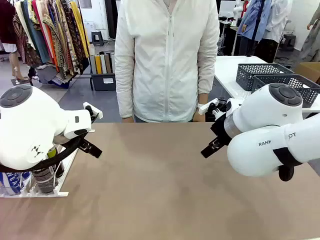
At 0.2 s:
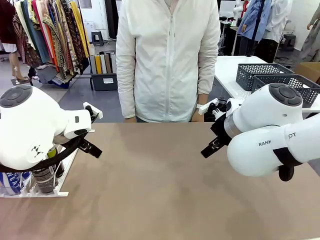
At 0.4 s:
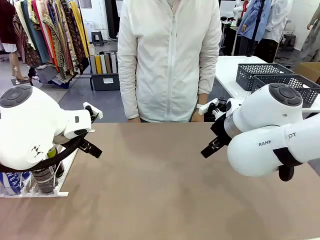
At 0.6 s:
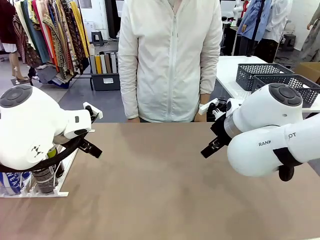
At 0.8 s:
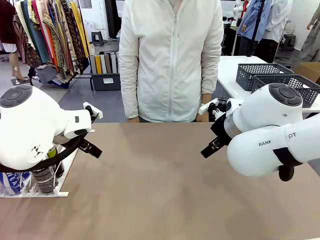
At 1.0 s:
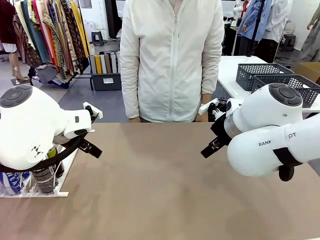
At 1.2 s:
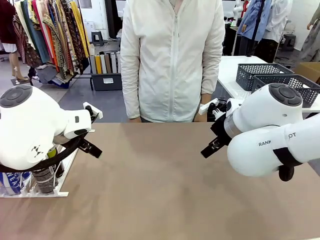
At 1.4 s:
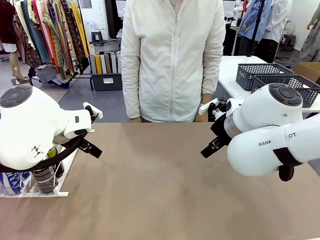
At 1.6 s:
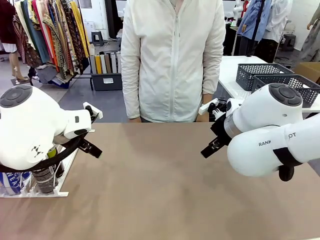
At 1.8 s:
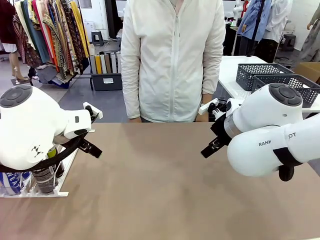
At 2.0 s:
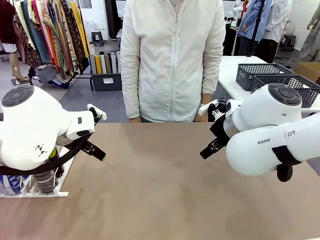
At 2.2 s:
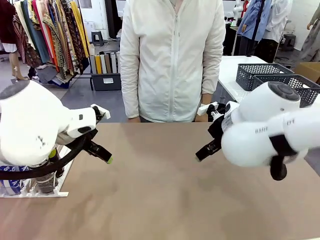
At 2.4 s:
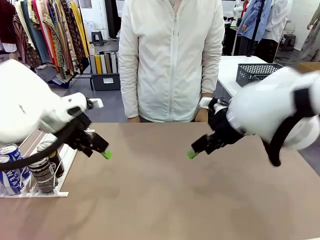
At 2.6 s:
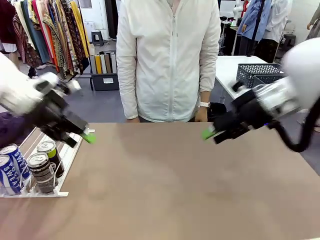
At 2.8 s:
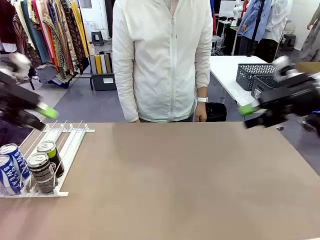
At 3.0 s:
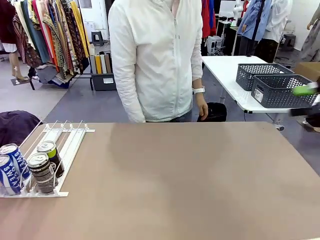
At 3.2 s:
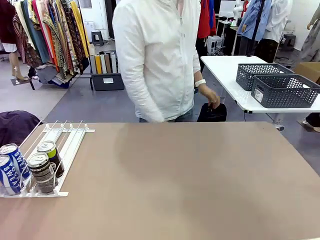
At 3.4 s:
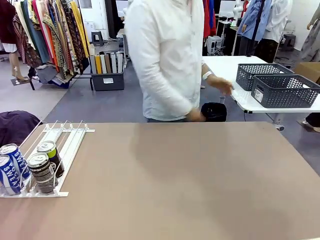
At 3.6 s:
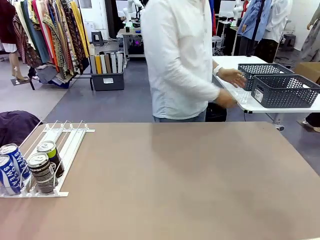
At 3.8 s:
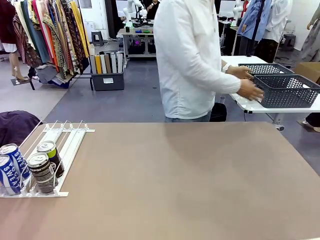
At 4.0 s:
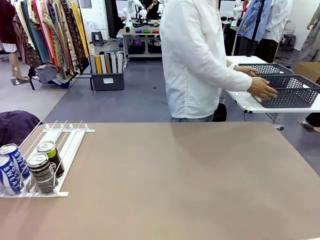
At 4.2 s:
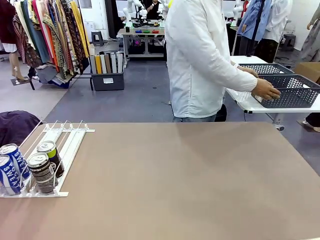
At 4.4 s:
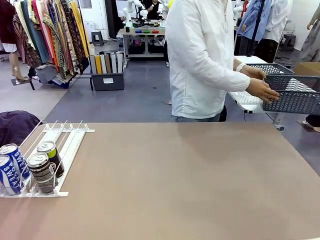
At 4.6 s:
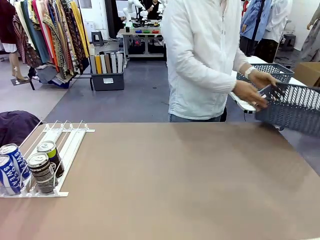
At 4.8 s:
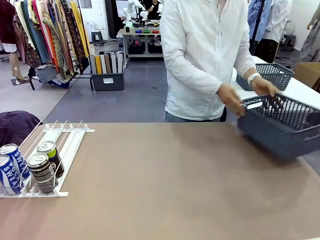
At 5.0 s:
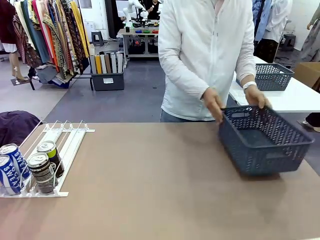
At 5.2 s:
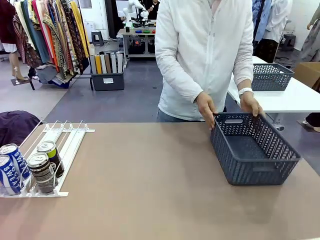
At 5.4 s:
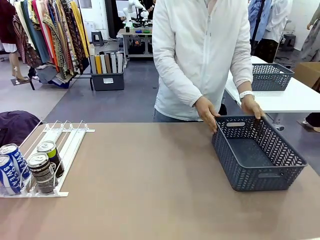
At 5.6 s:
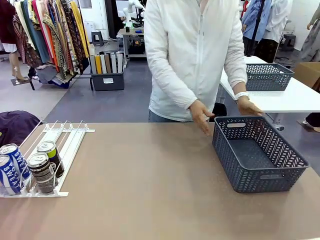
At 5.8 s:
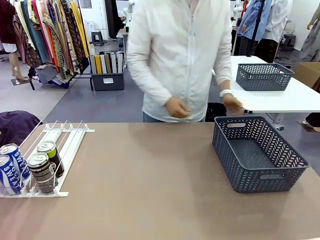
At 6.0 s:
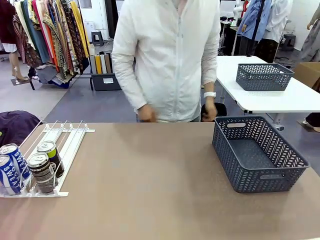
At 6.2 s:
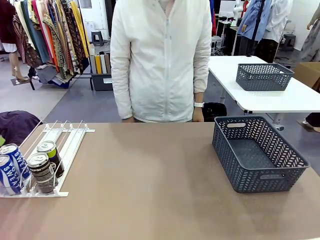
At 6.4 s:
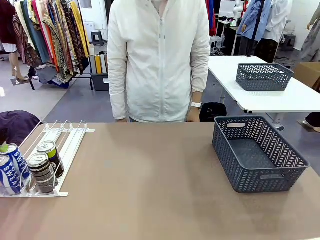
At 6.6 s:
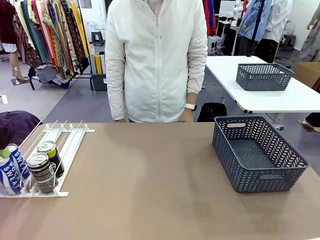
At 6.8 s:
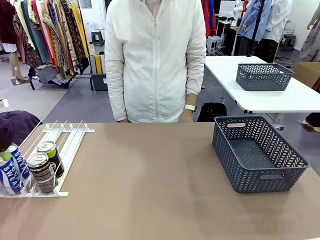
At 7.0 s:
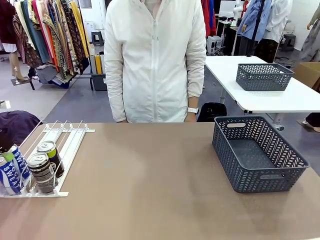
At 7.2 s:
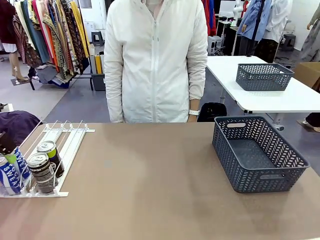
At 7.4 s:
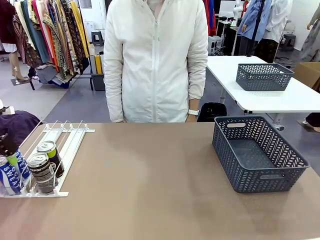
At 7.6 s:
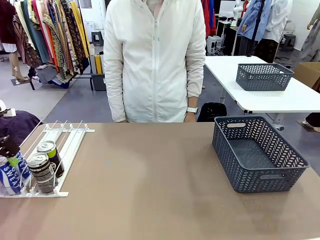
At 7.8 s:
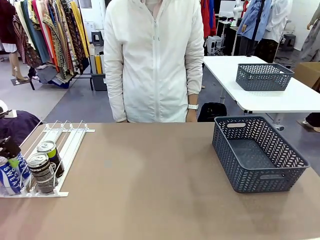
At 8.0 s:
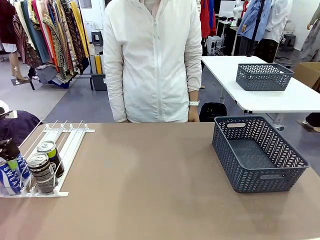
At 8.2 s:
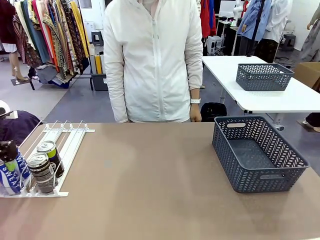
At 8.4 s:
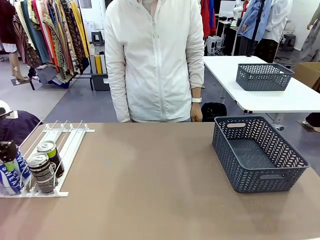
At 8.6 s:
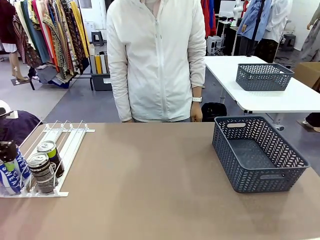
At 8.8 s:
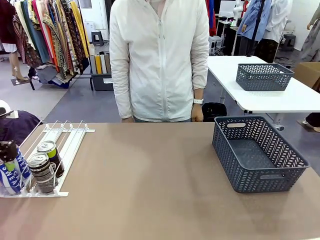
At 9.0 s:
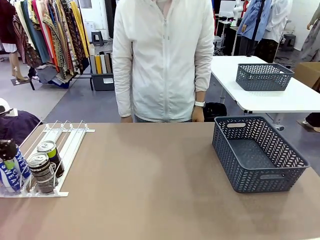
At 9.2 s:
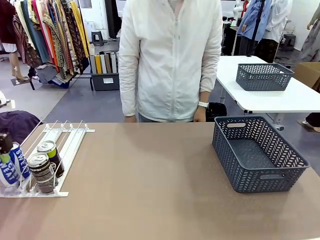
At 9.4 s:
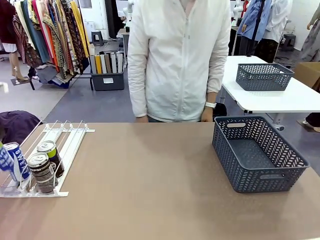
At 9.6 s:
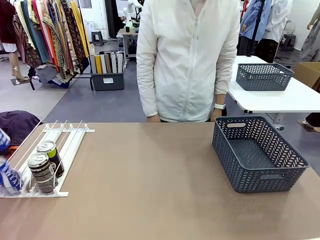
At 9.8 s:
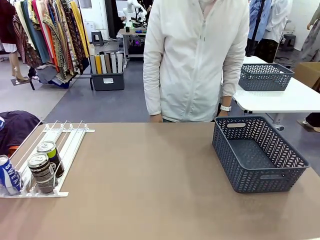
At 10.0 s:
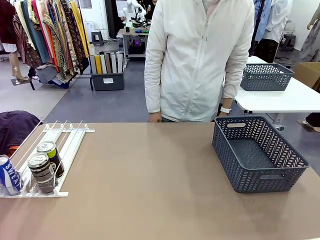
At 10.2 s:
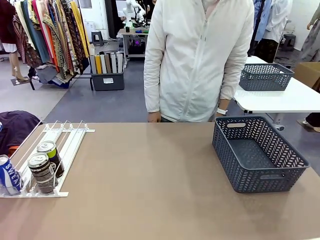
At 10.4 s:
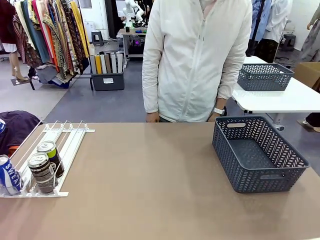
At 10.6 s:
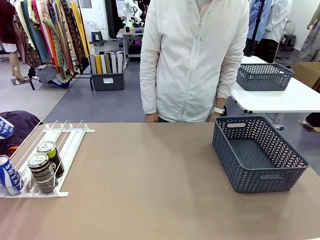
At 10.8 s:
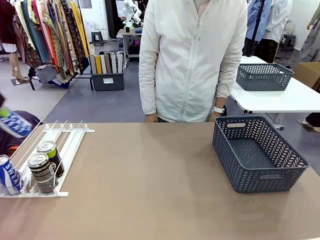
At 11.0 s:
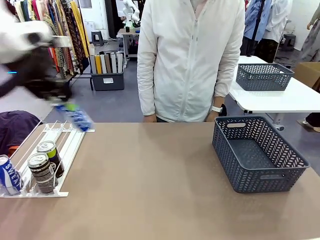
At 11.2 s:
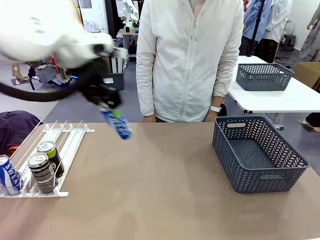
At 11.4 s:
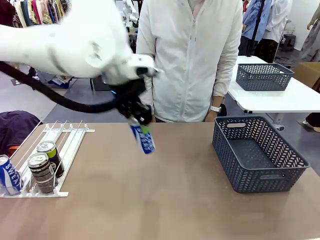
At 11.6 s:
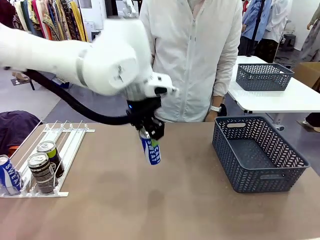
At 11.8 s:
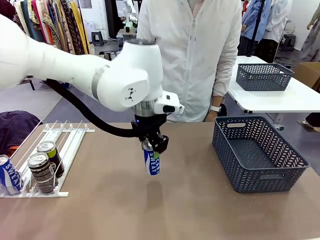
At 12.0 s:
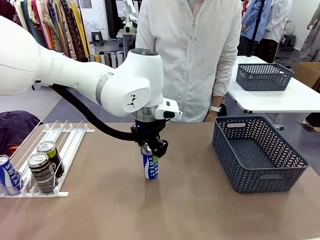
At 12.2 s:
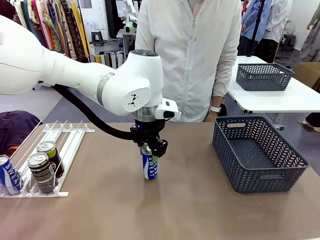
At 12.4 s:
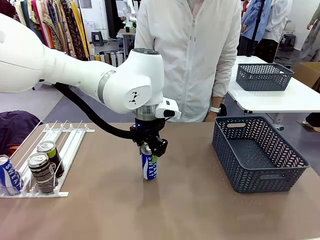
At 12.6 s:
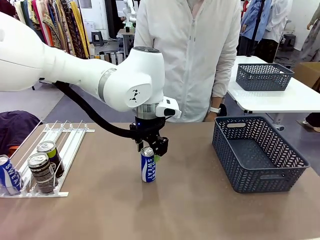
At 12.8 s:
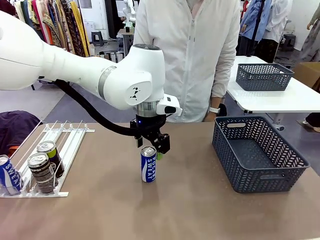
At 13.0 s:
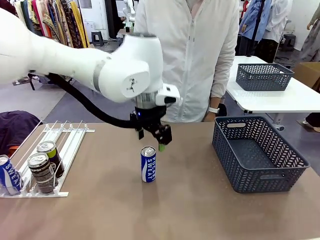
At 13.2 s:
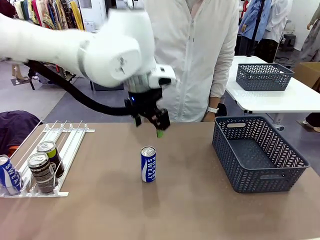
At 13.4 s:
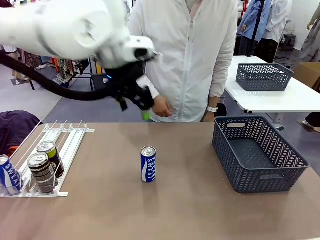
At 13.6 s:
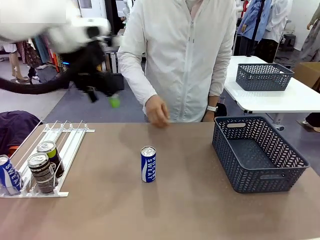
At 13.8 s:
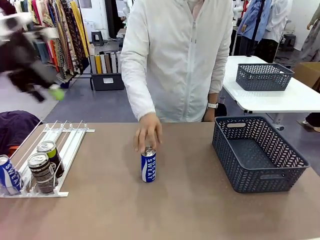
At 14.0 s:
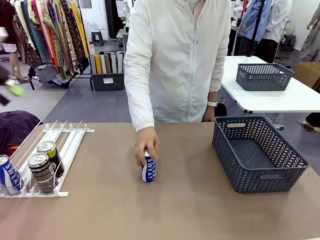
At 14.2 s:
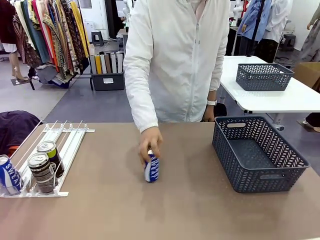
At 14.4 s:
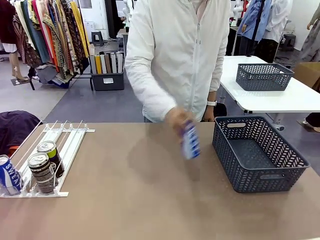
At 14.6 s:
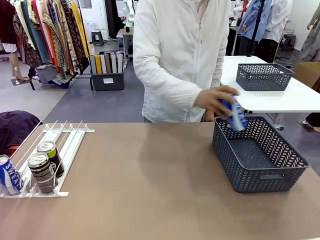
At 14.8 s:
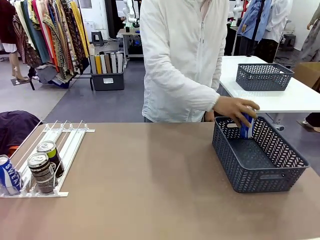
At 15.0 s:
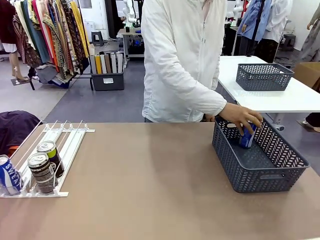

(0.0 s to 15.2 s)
Task: Retrieve and store the cans from the dispenser.
Robot: Pick up one can from the Automatic Can Dispenser and place it in the middle of the table.
Person: Pick up the basket and place it on the left side of the robot table.
